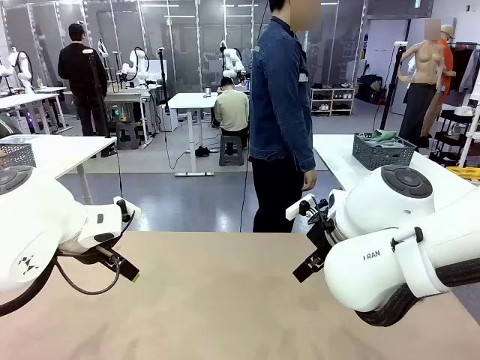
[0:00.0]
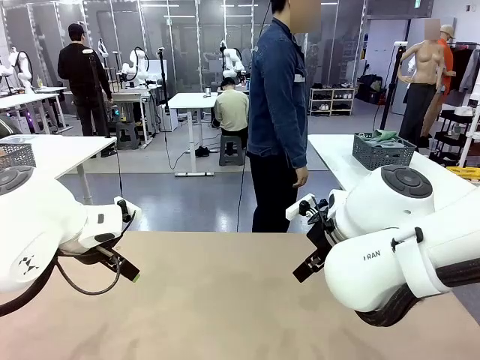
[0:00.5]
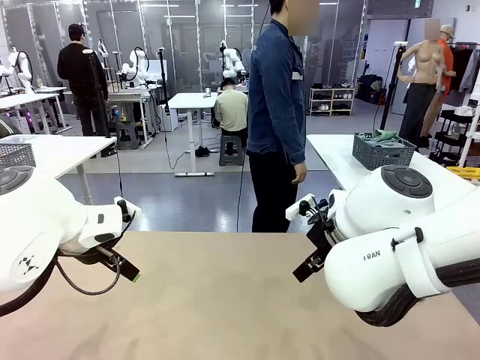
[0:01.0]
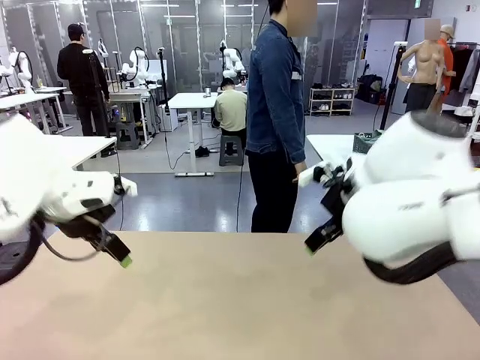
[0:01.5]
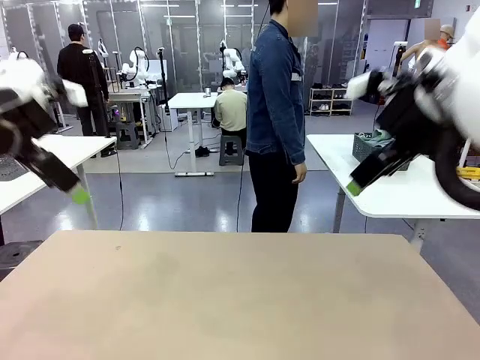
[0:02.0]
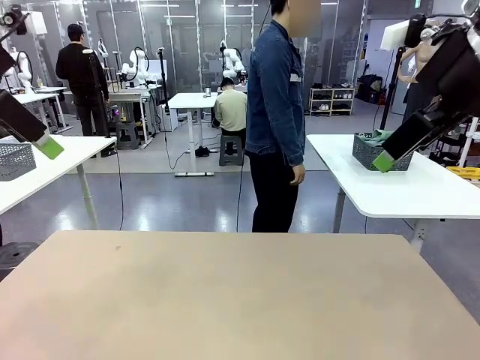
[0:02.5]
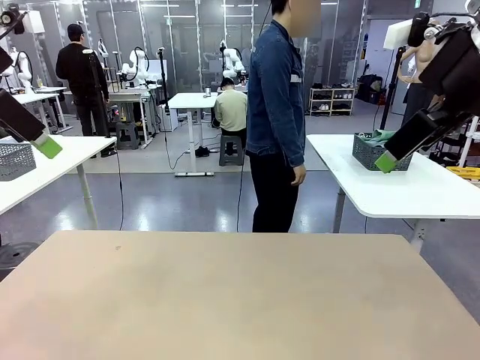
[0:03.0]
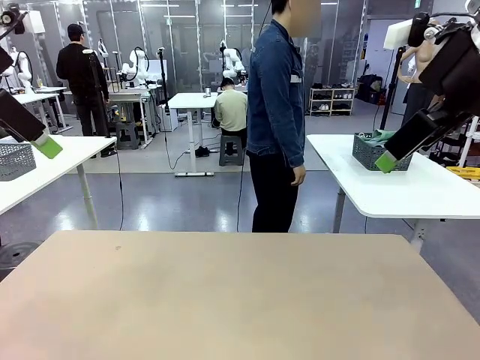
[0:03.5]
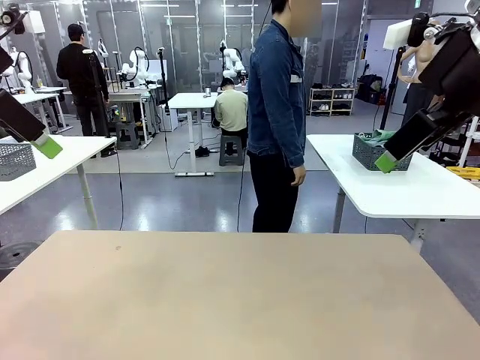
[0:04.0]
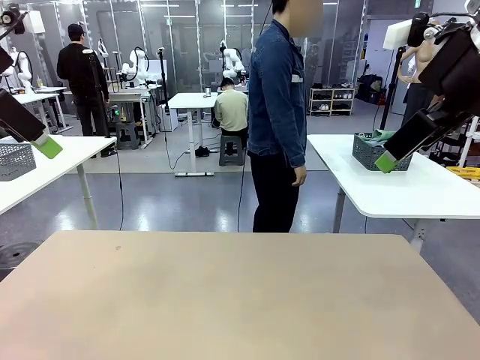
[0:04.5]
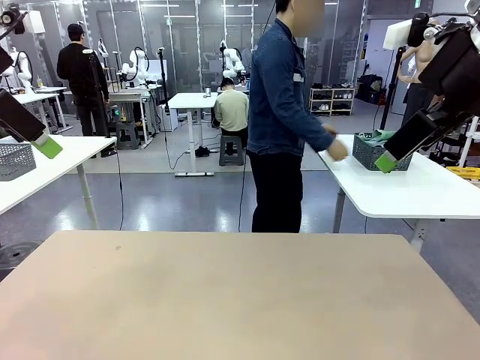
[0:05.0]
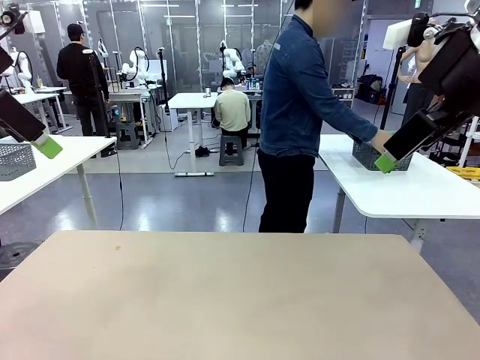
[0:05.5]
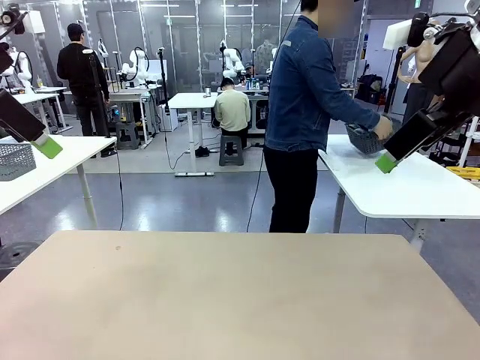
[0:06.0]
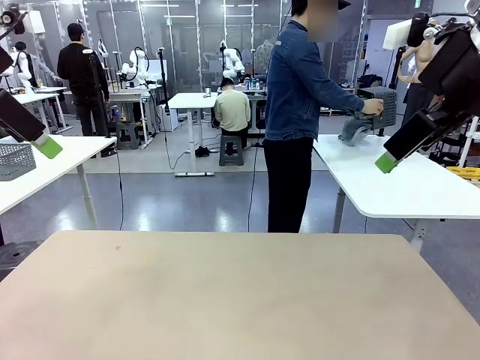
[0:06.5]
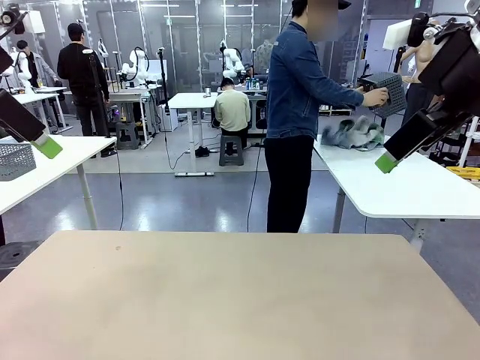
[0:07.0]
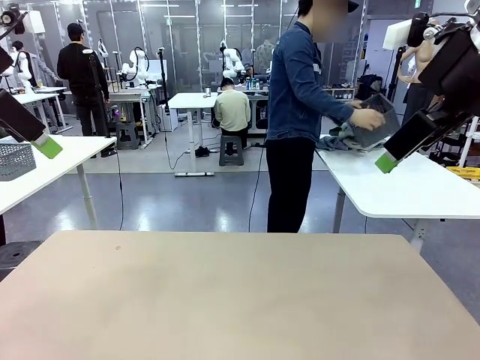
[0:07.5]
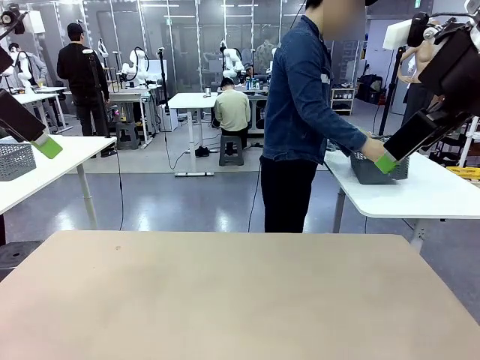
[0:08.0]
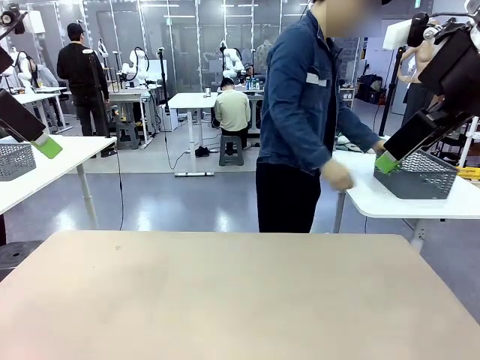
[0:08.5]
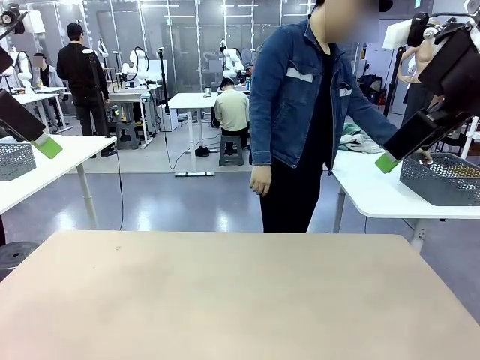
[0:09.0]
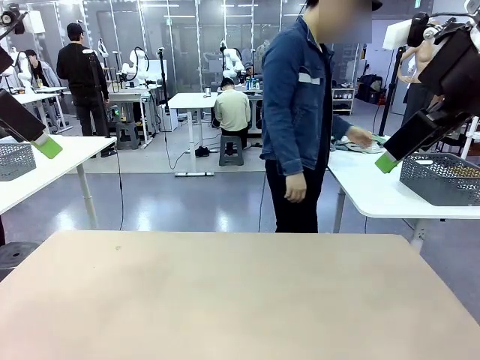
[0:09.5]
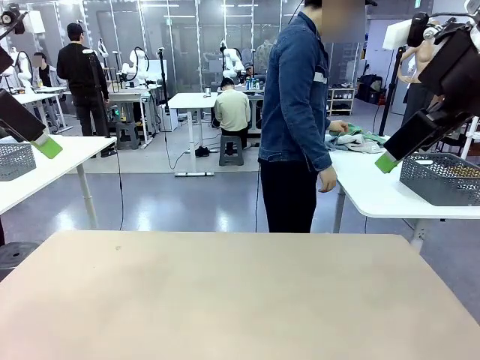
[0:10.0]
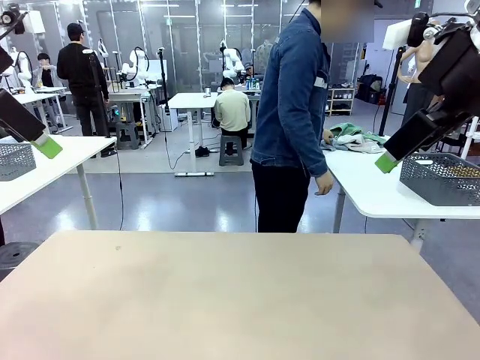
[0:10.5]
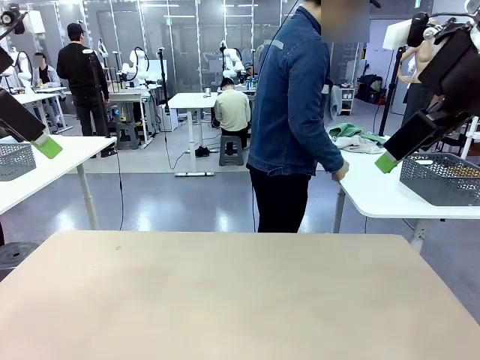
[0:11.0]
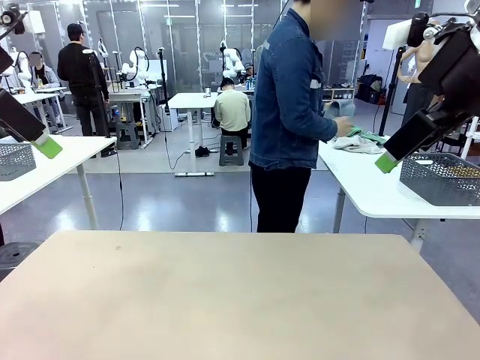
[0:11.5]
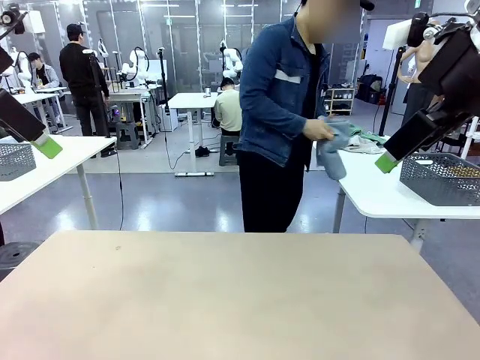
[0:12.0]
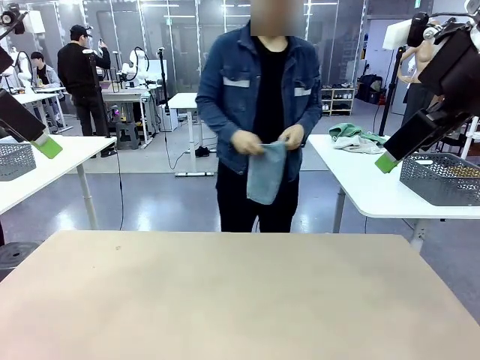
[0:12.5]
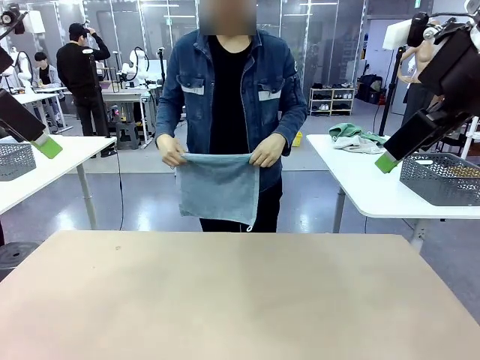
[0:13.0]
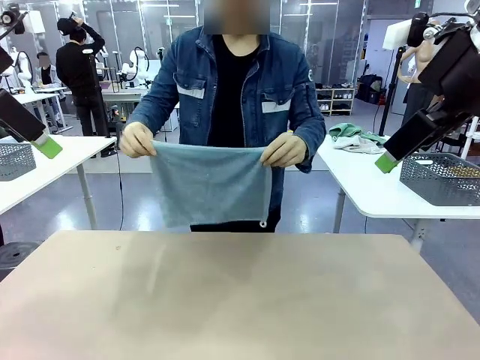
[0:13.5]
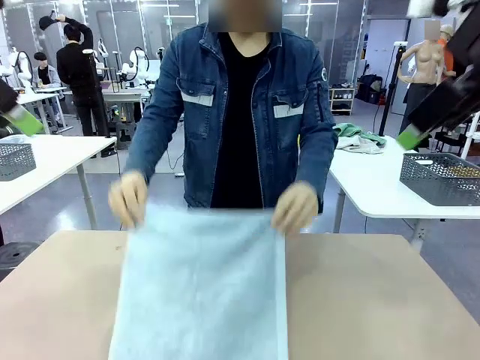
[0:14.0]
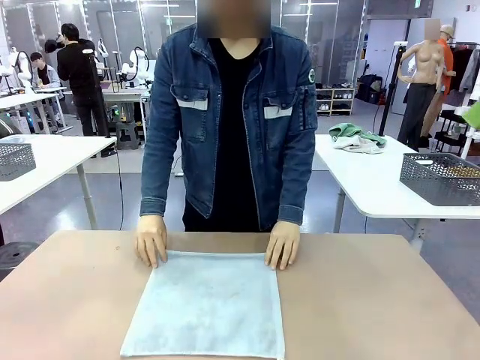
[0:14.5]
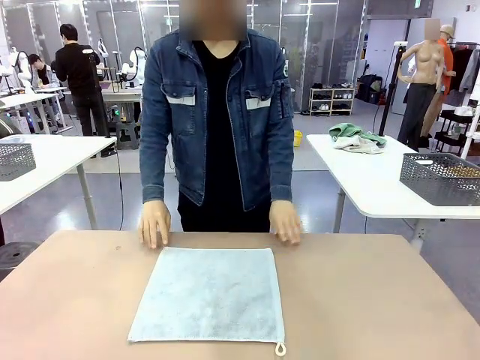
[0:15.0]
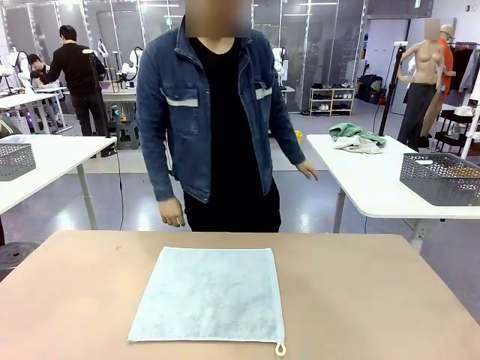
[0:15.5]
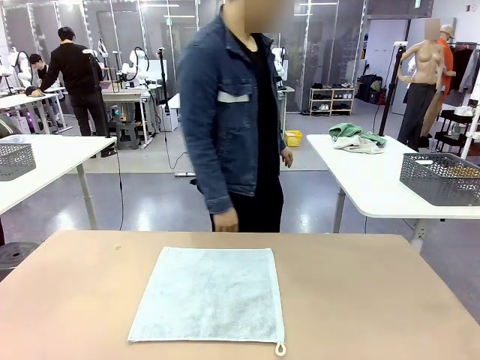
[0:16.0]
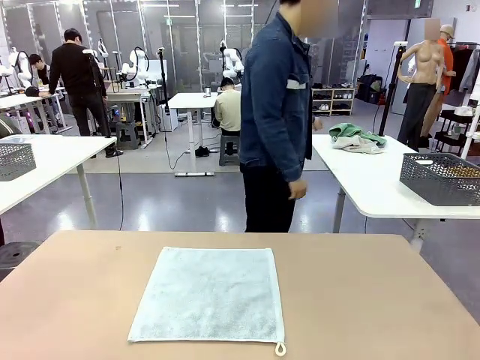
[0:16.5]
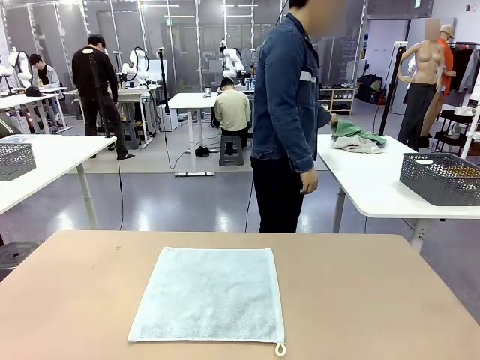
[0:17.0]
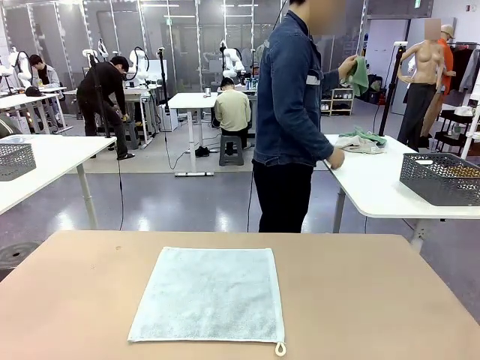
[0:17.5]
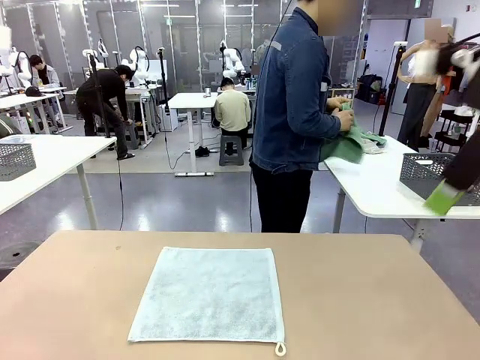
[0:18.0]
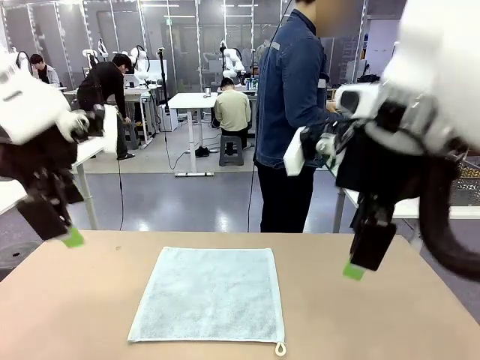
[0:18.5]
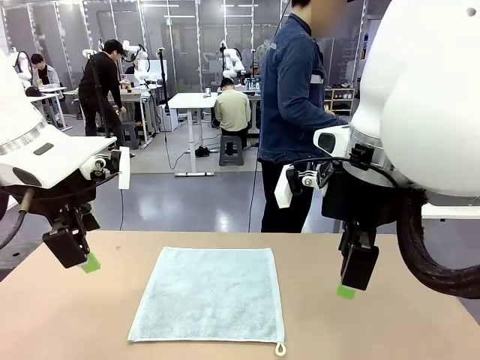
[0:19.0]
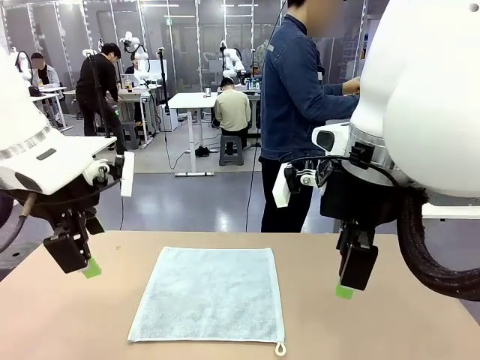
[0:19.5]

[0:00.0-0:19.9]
Task: Fold the towels and place them in the basket.
Robot: When a person lays out a Towel with hook on the table, fold it in half twice.
Person: Pick up the basket, pour the towels onto the left side of the human table, and place the basket on the right side. Pick up one towel and spread it out at the center of the robot table.
